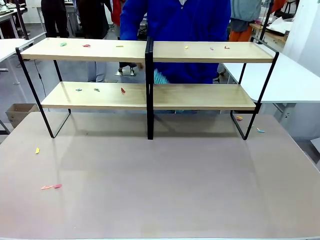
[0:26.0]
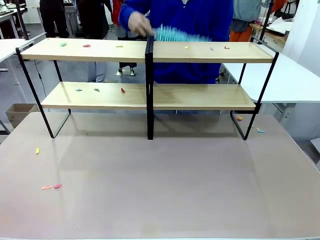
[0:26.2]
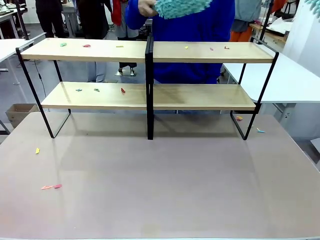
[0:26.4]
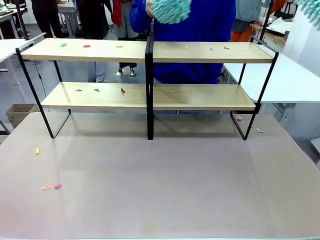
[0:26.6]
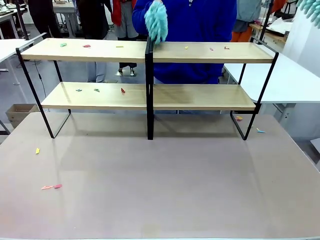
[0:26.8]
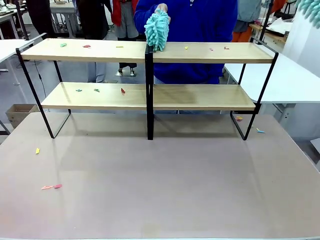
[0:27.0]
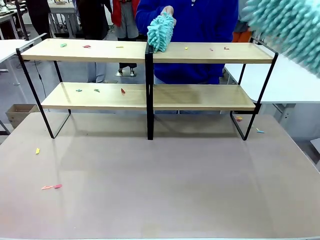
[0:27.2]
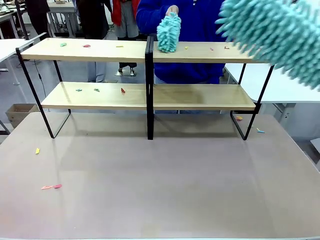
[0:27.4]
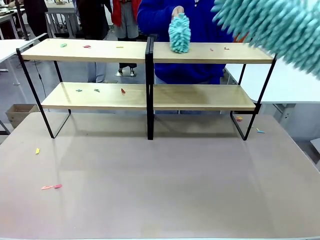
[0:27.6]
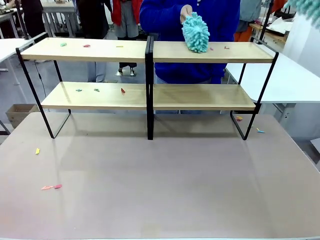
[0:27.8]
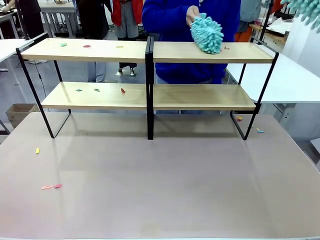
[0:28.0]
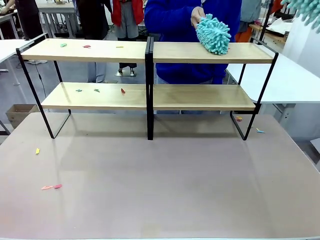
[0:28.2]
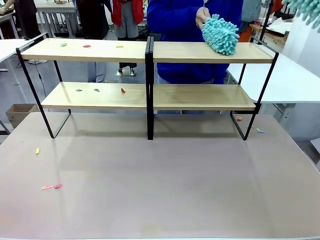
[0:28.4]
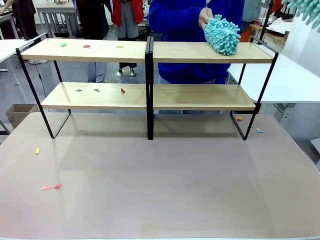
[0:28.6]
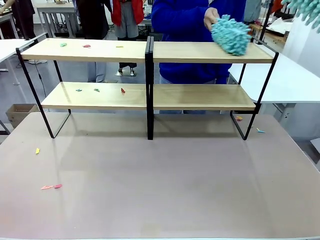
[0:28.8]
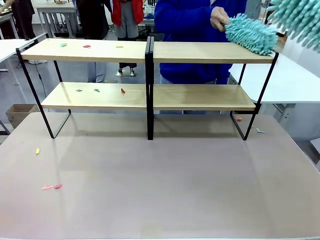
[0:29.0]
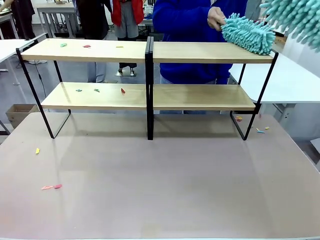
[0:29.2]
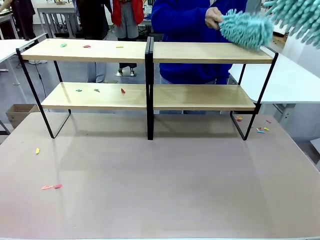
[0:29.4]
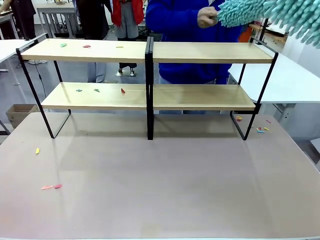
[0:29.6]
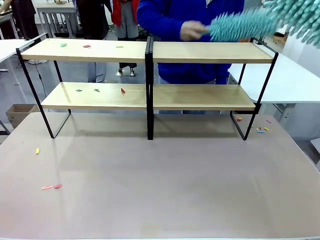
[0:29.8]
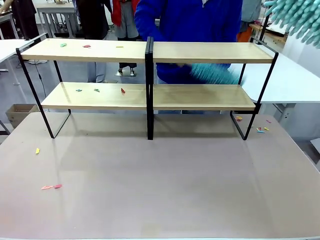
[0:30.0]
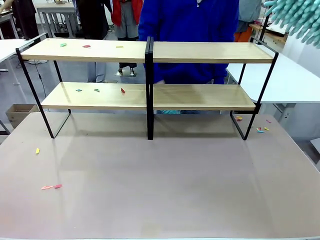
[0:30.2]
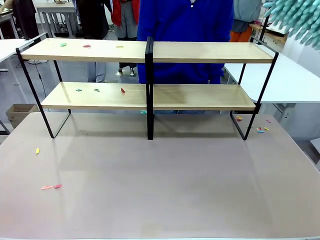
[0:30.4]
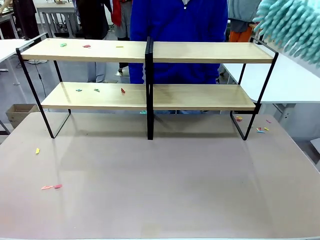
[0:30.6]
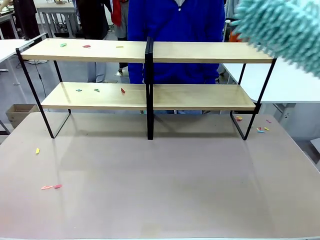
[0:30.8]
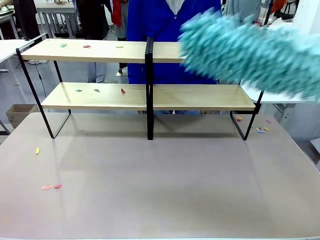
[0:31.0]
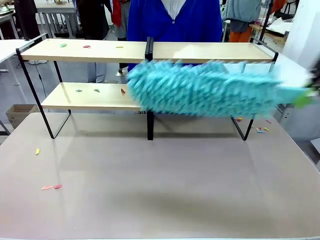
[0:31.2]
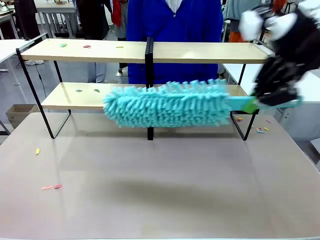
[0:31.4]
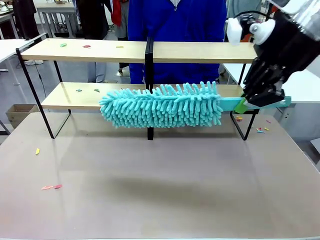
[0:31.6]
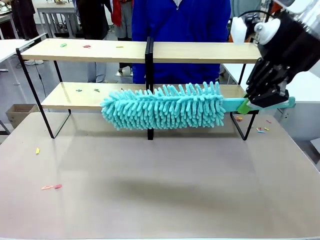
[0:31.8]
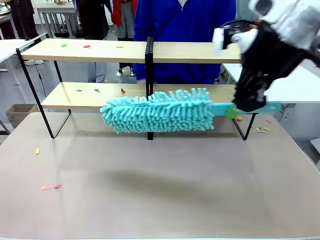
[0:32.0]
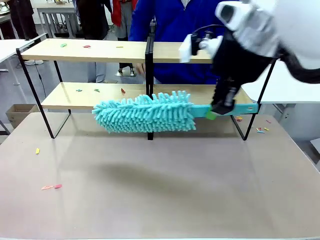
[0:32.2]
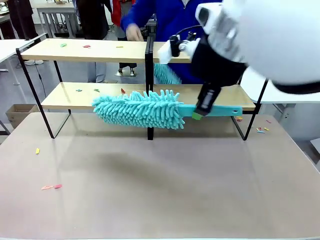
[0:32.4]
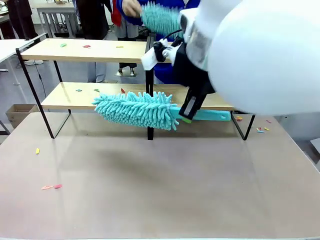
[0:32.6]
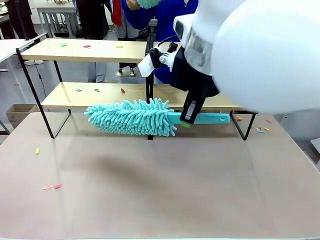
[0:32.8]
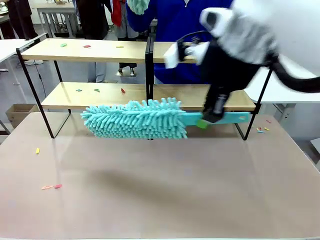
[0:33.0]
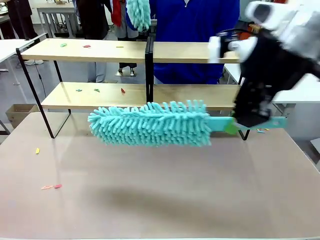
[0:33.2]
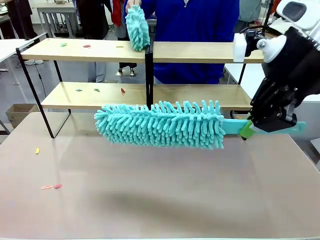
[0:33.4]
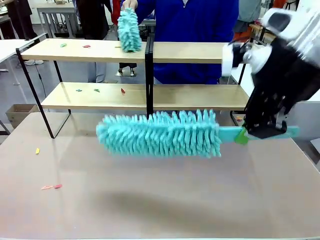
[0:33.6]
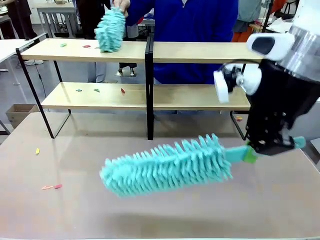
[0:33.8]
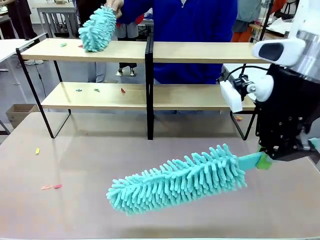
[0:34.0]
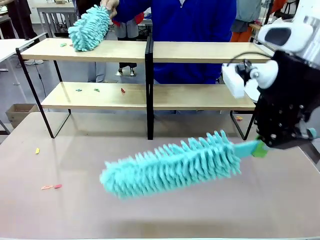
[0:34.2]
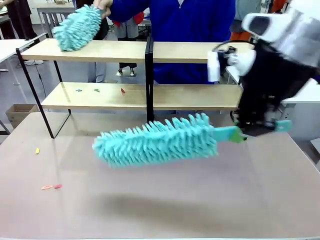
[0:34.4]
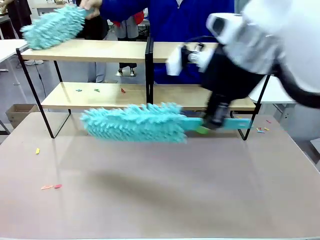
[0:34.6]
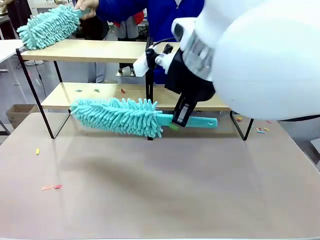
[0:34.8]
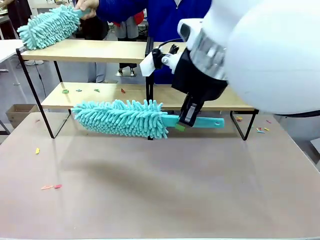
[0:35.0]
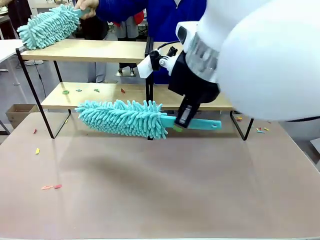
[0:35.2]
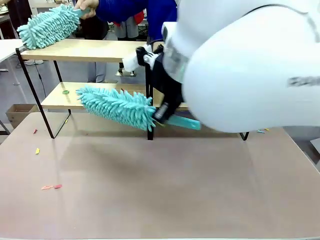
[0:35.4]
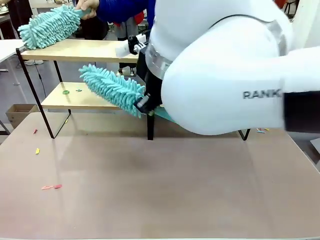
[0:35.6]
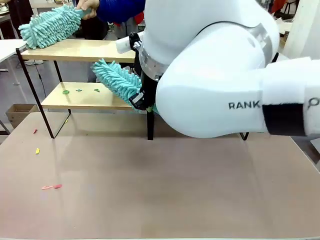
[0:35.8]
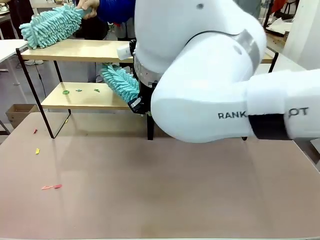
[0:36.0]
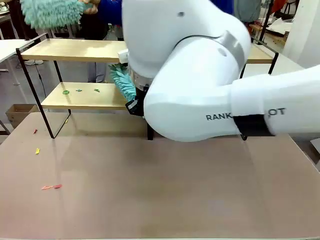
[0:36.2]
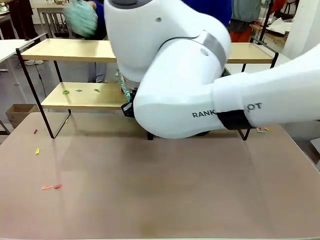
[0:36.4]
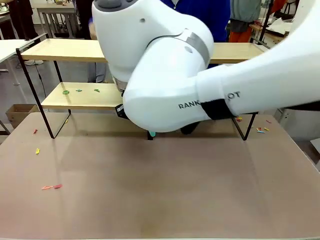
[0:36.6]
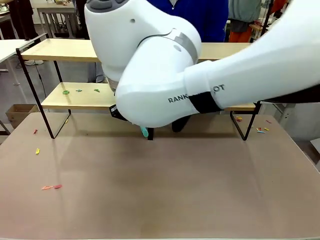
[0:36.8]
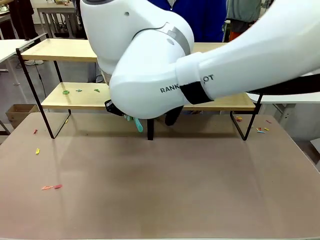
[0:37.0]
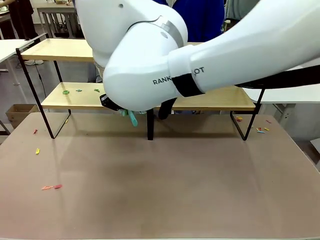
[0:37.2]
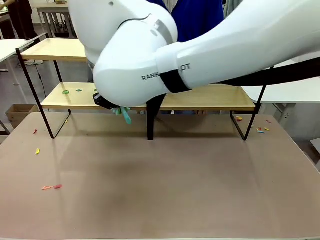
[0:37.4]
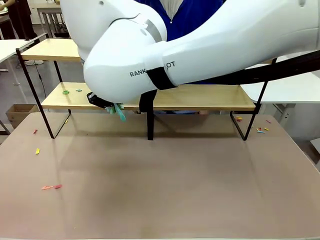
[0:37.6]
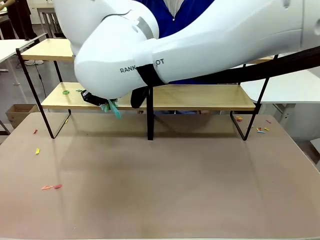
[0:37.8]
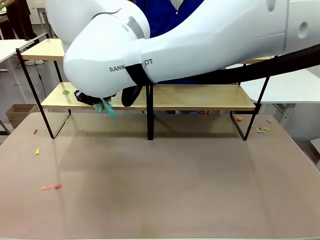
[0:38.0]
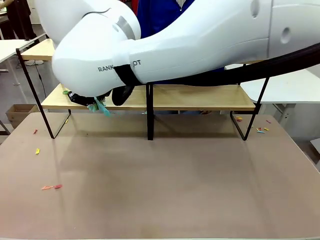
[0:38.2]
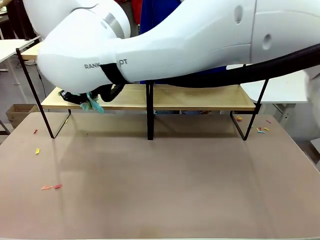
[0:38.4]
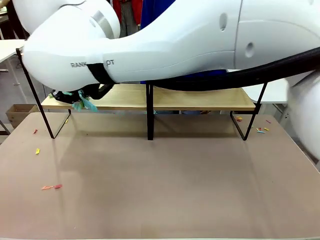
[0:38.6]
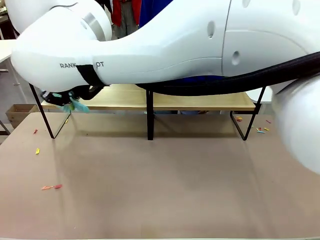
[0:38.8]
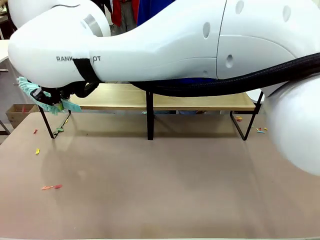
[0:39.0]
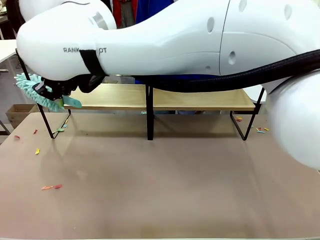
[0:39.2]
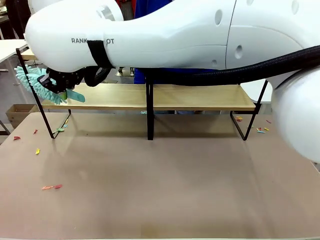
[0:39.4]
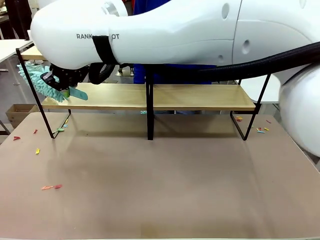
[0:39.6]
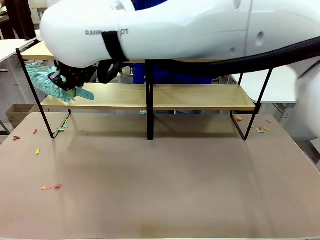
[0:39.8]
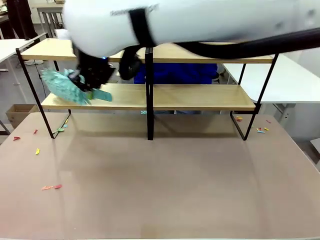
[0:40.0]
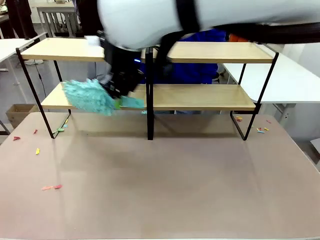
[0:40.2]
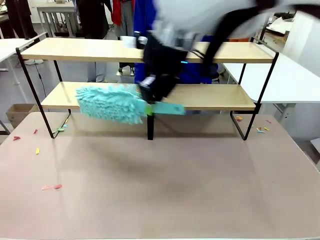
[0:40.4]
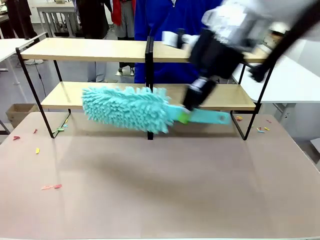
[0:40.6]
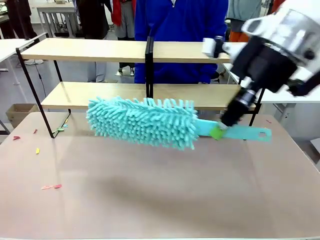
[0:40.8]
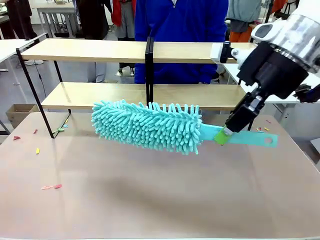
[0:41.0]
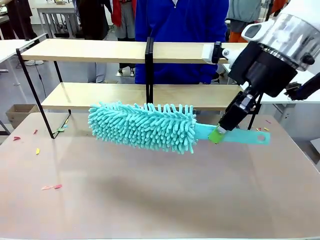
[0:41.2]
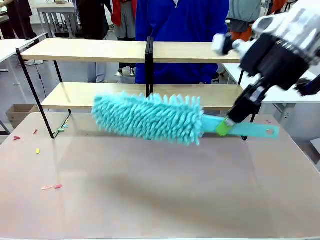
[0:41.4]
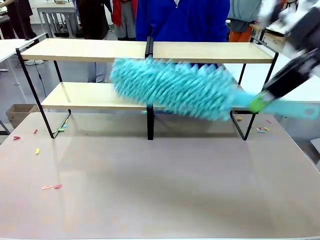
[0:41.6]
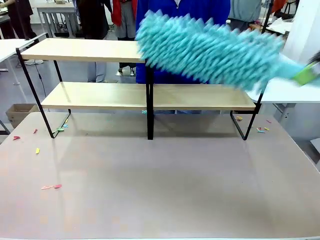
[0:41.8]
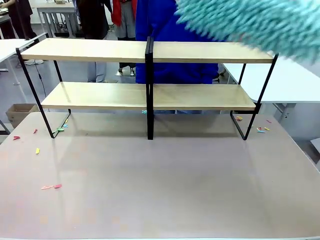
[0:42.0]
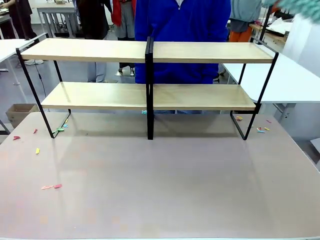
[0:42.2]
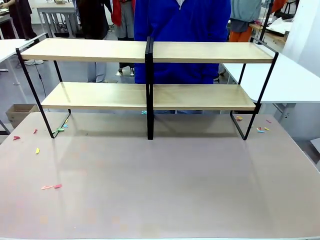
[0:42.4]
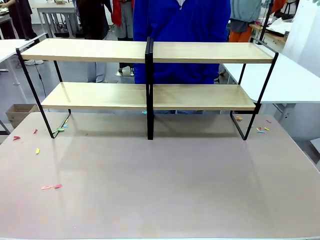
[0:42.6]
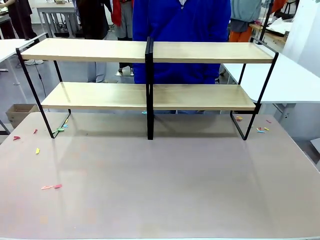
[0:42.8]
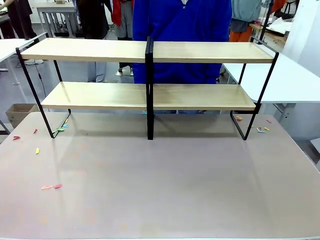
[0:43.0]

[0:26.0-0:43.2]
Task: Clean the shelves.
Robot: Clean another randomly selected level of the Shelf with the Duster.

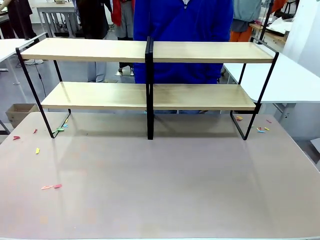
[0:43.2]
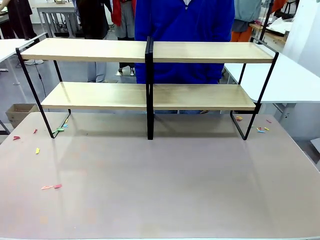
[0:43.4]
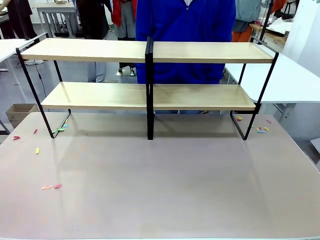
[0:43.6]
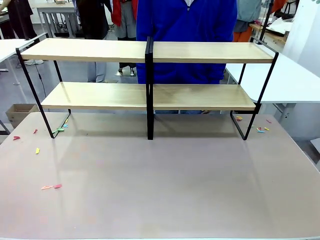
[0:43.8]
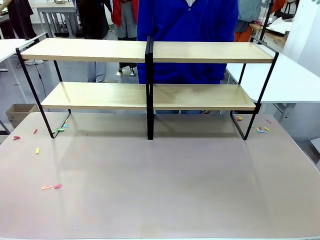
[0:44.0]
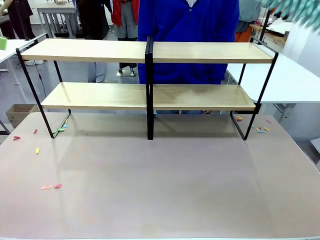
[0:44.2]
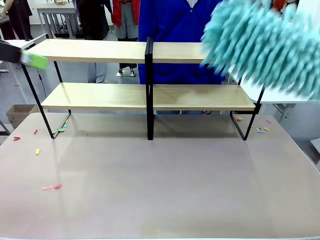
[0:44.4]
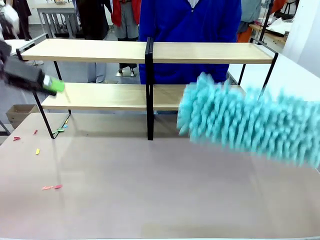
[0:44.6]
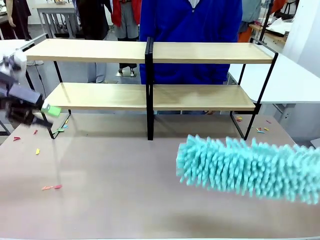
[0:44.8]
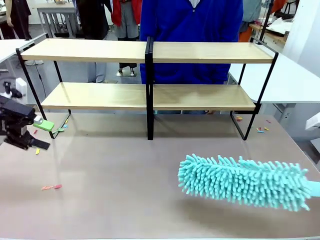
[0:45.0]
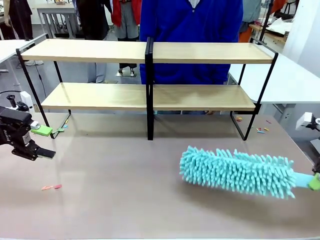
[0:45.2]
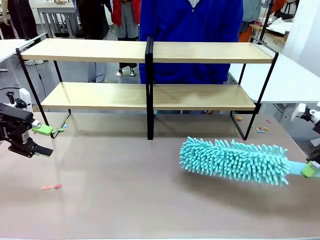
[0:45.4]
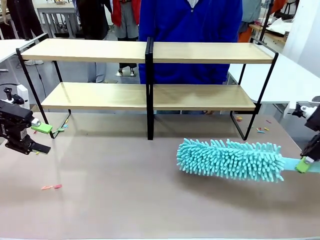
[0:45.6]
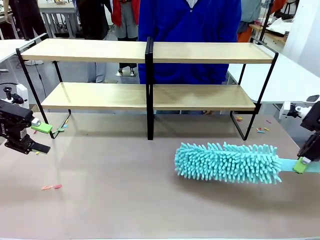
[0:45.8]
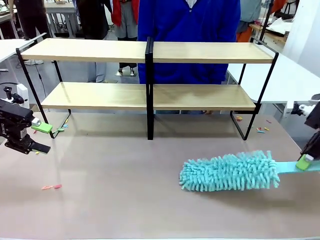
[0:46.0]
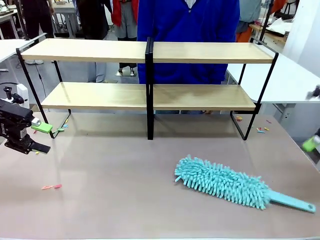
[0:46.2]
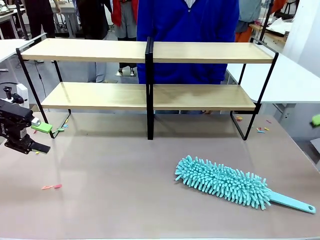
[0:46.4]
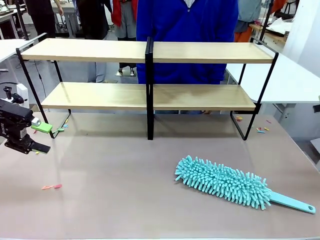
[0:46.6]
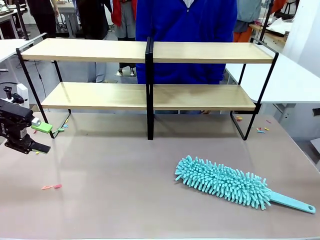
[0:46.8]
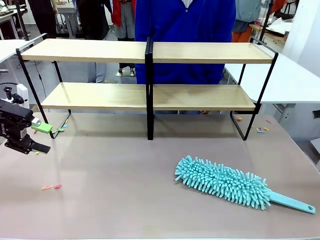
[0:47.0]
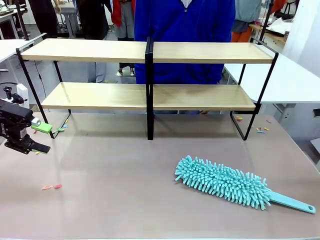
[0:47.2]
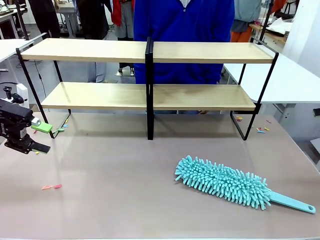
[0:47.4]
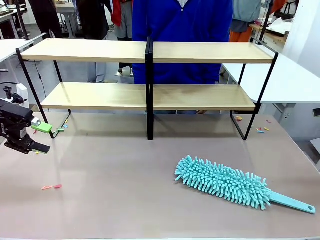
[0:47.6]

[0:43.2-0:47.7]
Robot: Place the Duster on the table.
